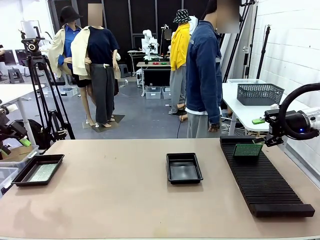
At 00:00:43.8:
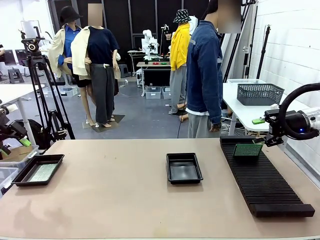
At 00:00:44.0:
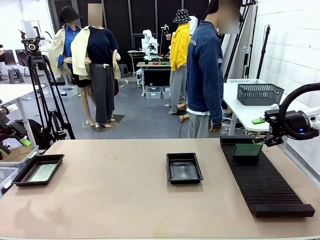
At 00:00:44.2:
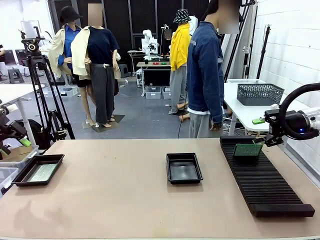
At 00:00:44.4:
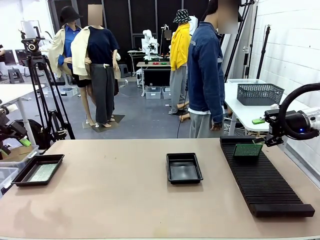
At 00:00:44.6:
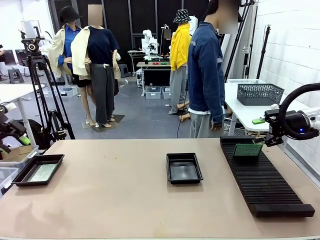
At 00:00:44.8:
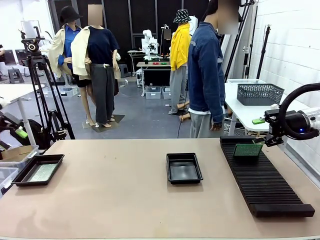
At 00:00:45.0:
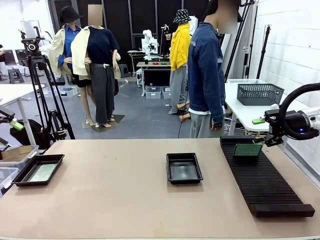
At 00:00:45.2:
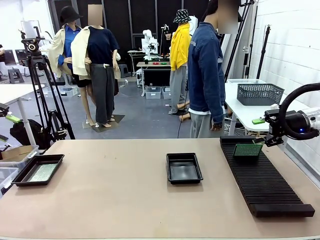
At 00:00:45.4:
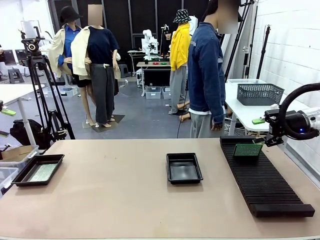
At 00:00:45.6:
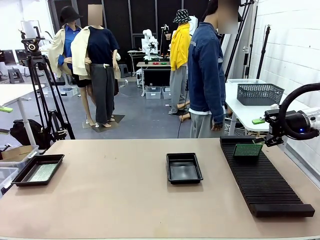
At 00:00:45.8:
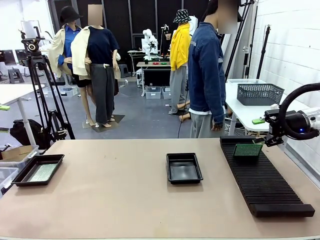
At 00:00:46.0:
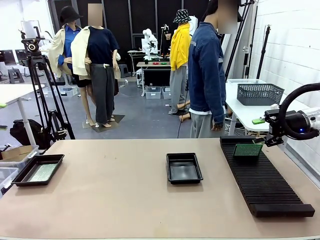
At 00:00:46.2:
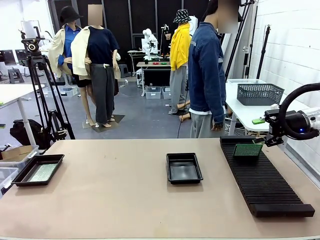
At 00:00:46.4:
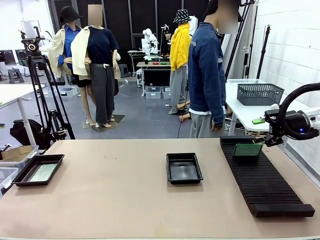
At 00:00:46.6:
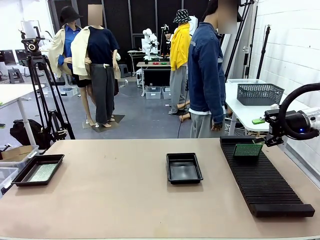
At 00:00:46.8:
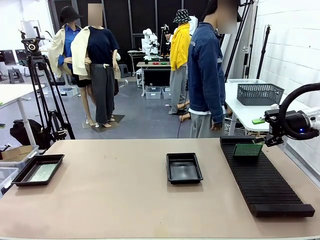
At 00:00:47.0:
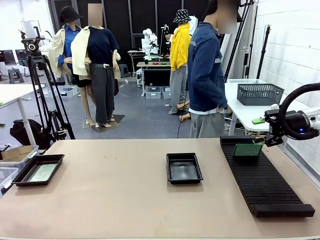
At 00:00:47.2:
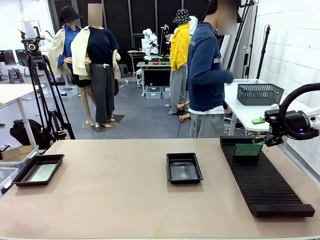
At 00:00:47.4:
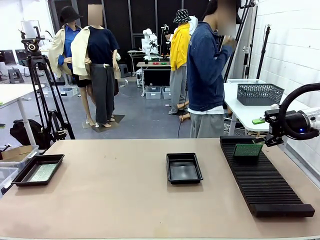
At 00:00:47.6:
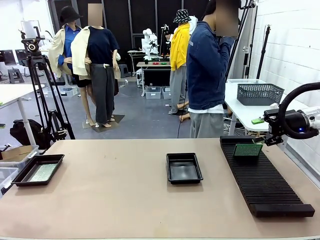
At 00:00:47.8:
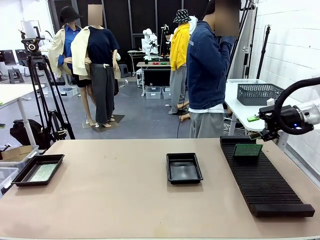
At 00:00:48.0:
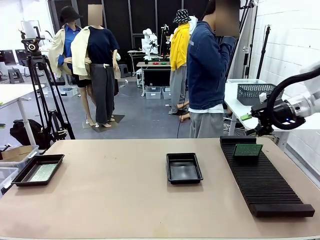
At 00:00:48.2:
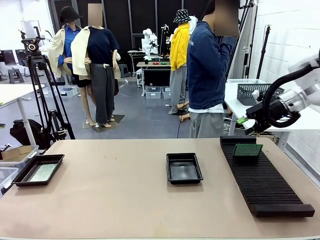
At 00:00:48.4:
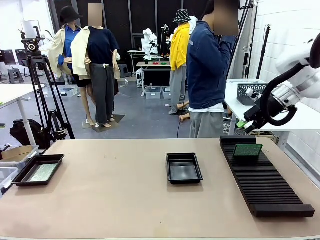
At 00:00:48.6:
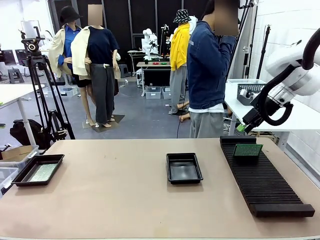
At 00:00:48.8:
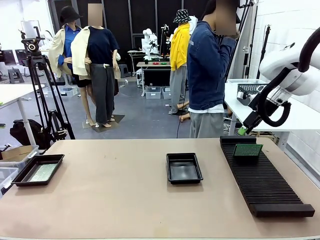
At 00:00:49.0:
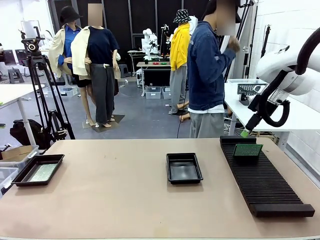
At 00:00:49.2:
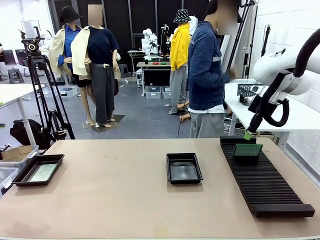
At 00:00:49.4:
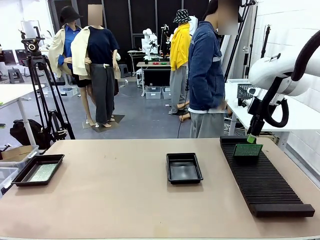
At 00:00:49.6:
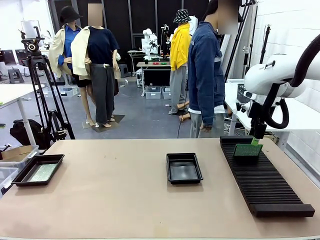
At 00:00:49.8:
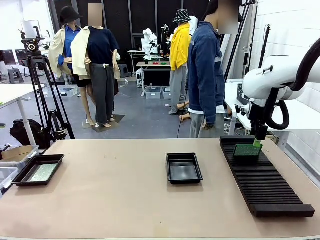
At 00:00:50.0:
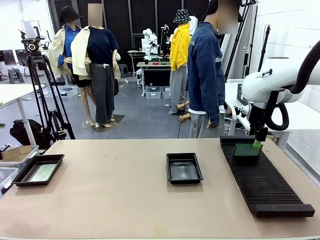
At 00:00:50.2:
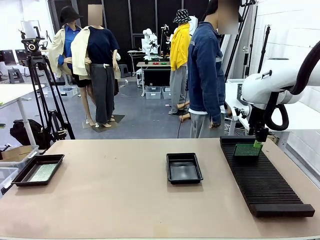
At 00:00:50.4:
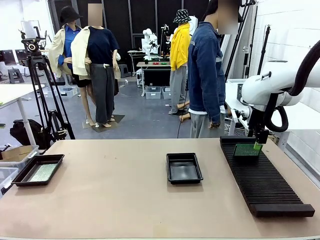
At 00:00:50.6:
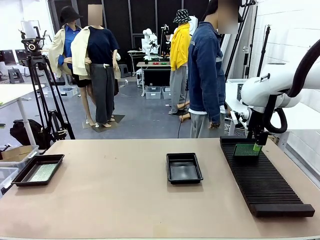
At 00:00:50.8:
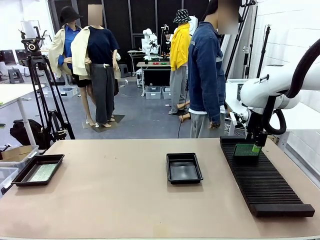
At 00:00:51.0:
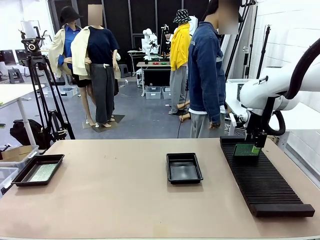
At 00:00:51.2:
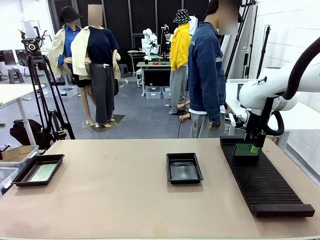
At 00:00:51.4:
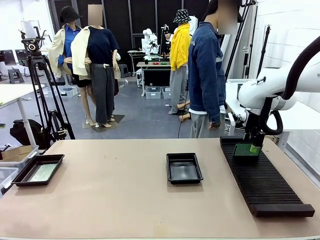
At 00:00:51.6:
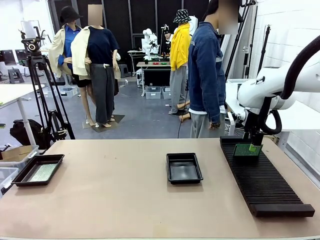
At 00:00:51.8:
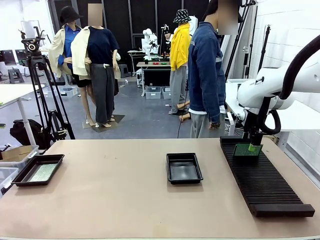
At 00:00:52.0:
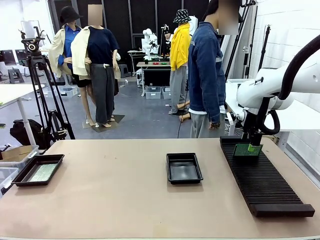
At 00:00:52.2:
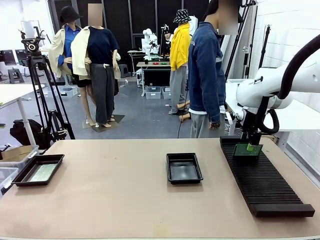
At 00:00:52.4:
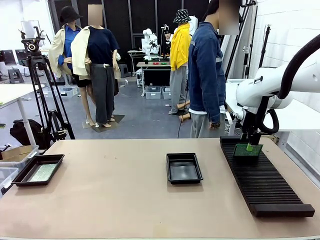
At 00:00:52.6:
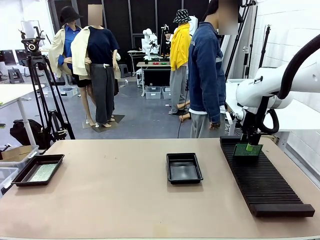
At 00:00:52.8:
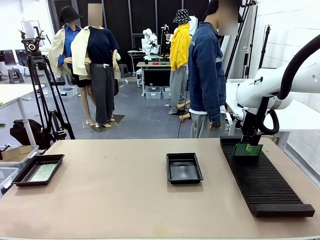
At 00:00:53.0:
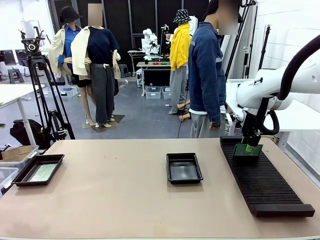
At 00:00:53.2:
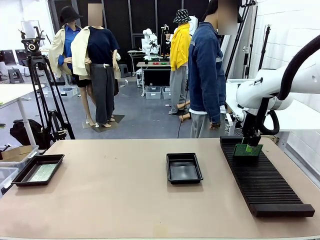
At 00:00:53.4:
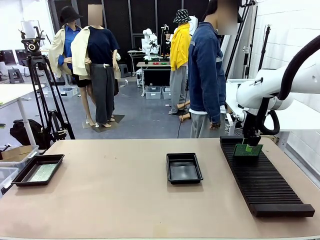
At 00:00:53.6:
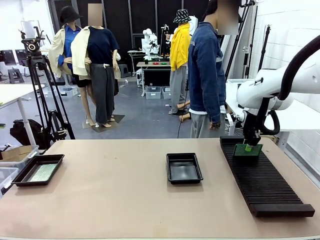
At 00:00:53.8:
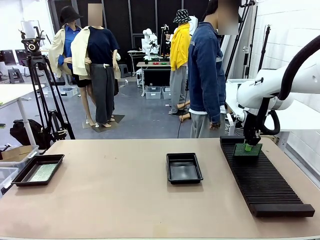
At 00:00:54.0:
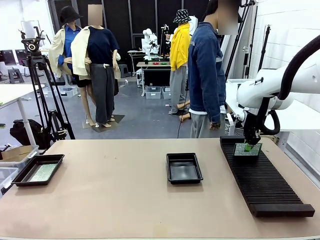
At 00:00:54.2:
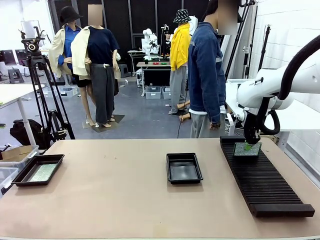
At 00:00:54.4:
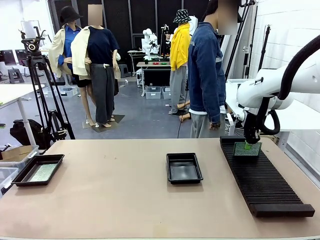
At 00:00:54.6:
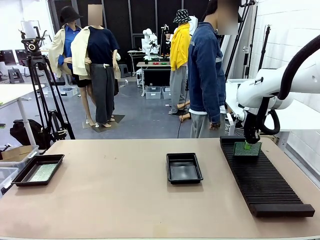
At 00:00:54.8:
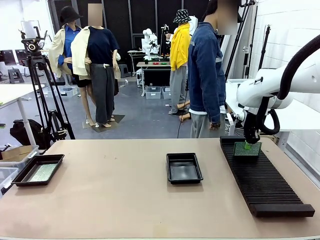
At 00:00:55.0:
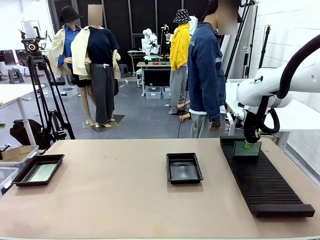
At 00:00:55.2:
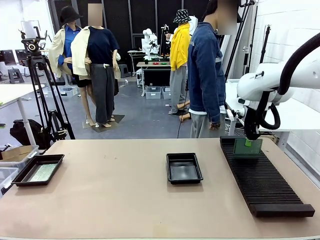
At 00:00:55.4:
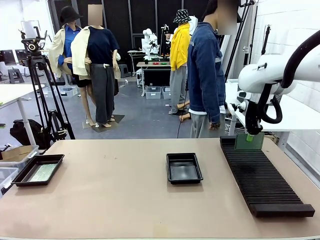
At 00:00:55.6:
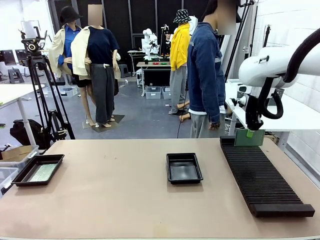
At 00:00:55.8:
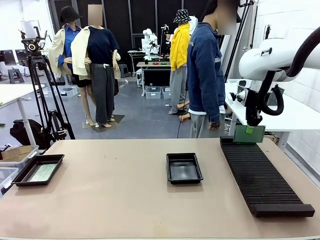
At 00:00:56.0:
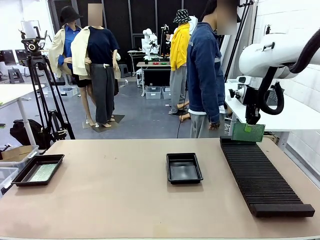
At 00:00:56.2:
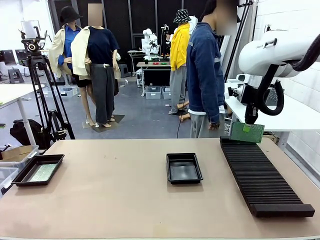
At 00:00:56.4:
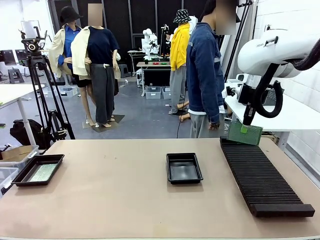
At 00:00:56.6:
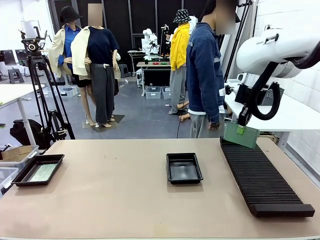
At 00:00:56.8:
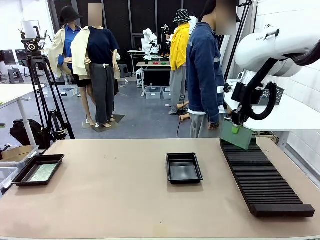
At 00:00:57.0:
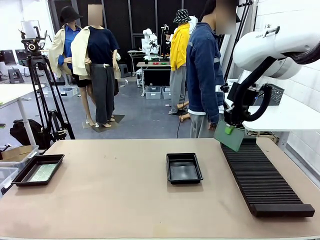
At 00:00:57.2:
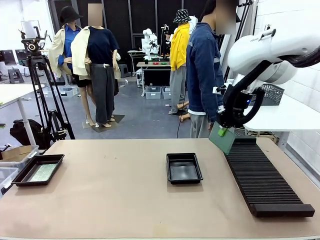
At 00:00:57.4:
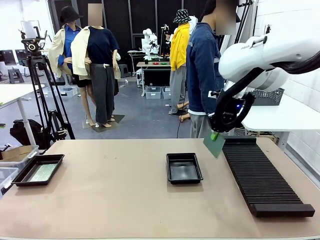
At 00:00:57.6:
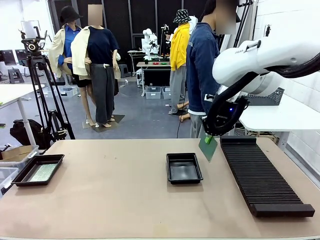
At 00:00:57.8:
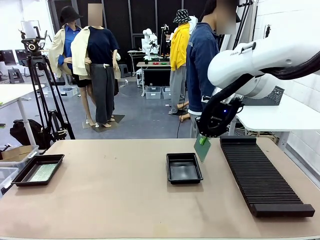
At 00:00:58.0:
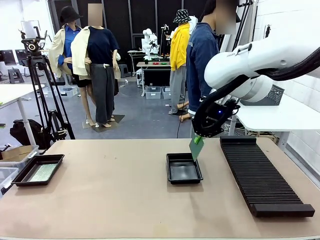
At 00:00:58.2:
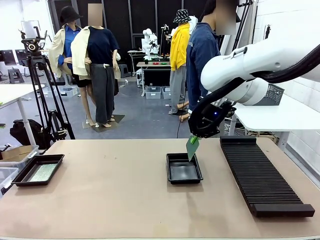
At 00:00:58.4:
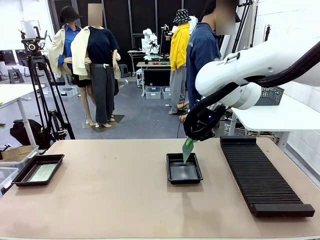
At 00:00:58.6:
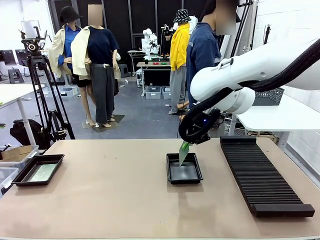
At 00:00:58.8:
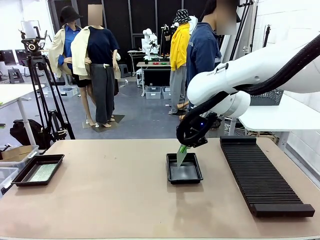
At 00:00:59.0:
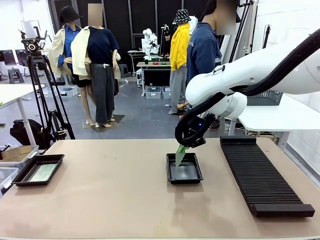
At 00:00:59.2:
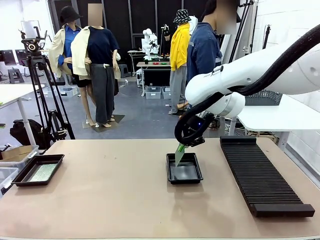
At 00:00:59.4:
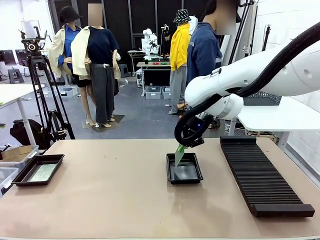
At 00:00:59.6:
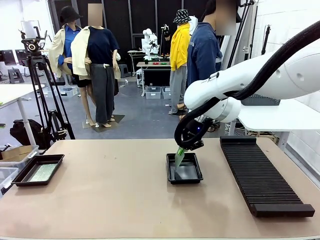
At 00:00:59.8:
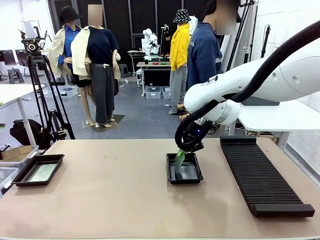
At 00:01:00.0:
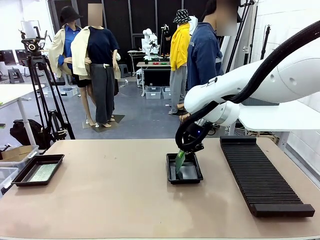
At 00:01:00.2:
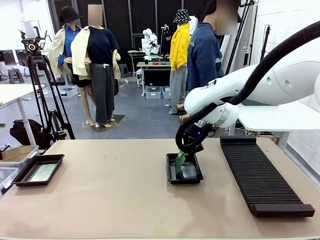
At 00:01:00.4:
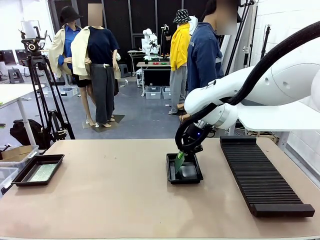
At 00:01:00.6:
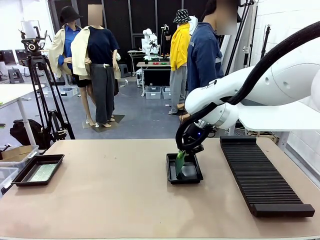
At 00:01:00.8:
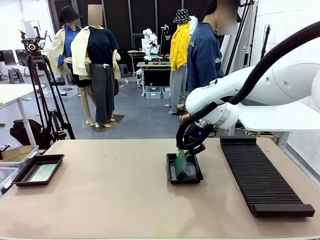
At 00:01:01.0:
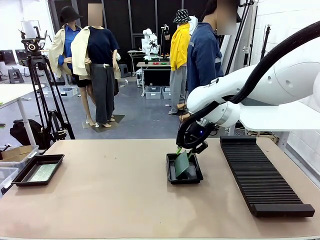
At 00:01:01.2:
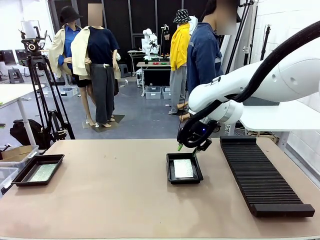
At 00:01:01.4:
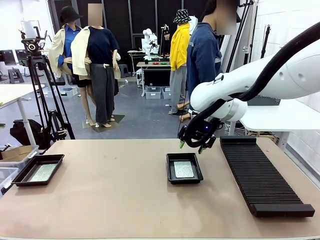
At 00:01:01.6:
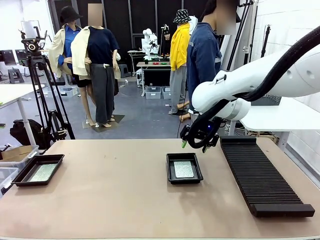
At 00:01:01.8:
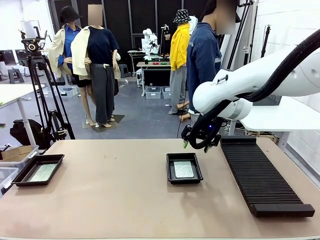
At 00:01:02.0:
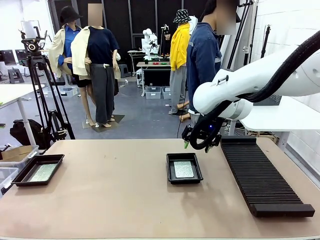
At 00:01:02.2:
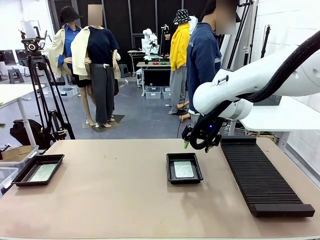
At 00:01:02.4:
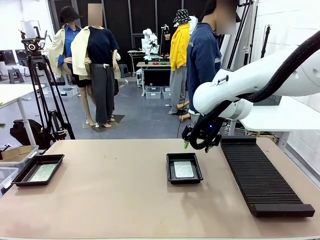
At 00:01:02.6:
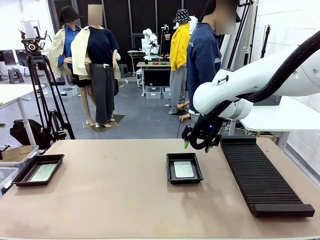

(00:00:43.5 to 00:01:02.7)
Task: Inspect and transfer BCBs to ESD trays.
Robot: Pick up the Blank PCB from the PCB Rack and place it in the right ESD tray.
